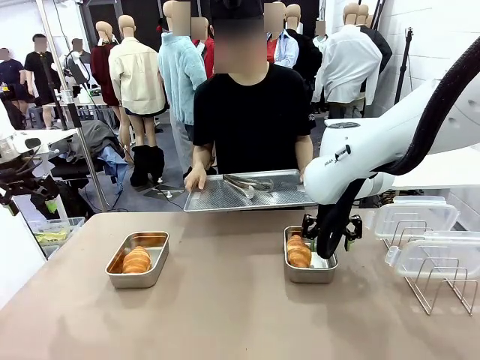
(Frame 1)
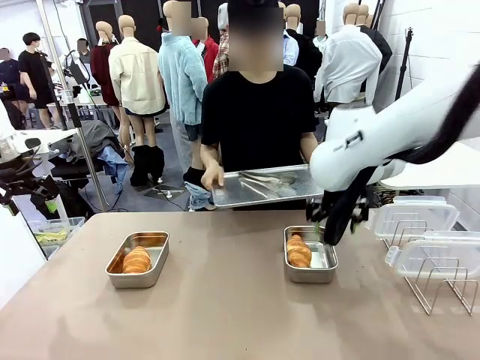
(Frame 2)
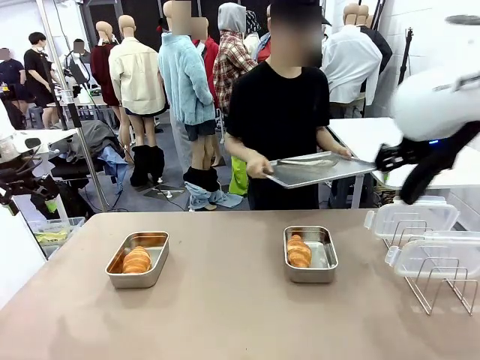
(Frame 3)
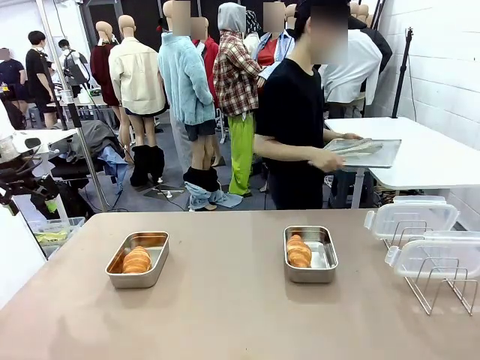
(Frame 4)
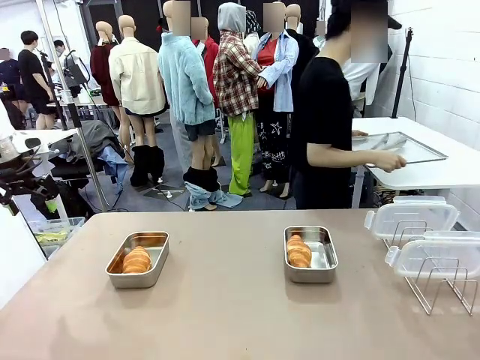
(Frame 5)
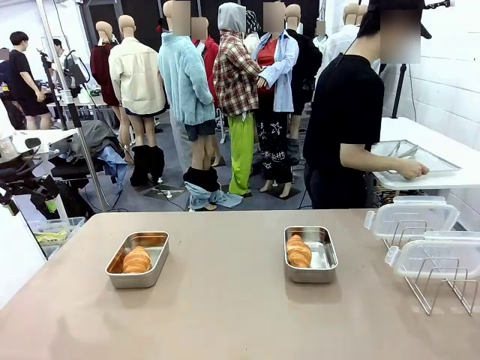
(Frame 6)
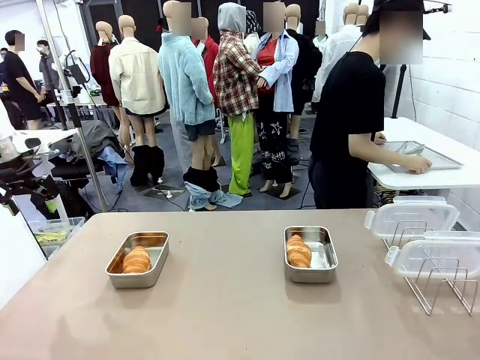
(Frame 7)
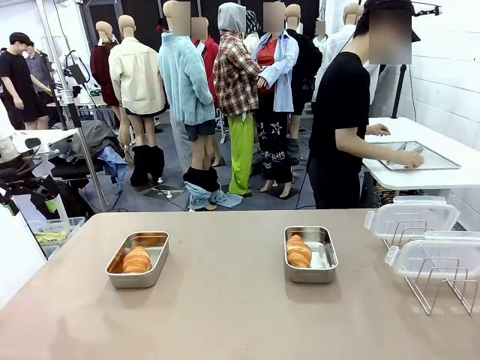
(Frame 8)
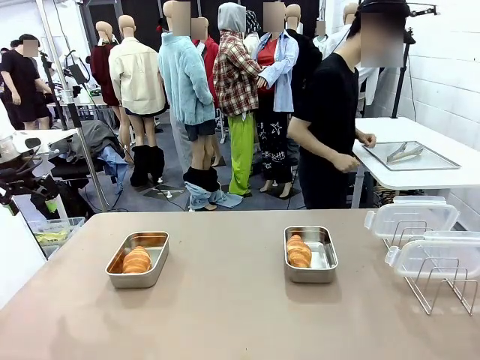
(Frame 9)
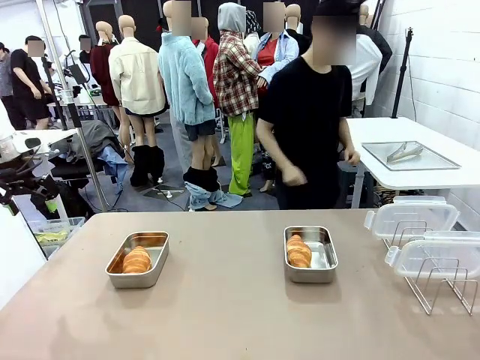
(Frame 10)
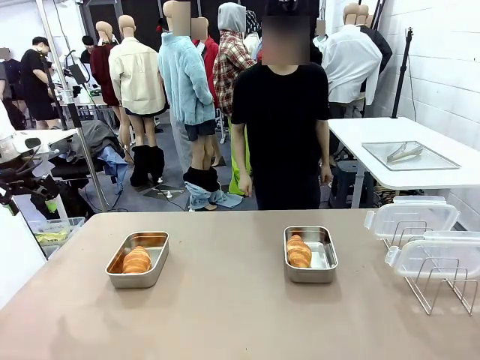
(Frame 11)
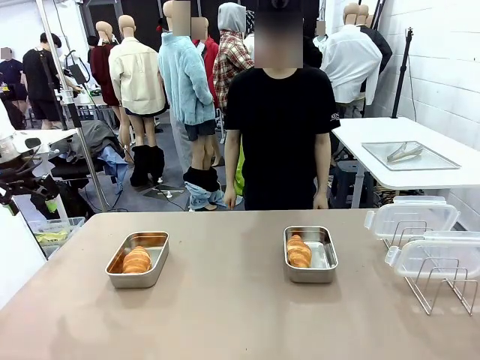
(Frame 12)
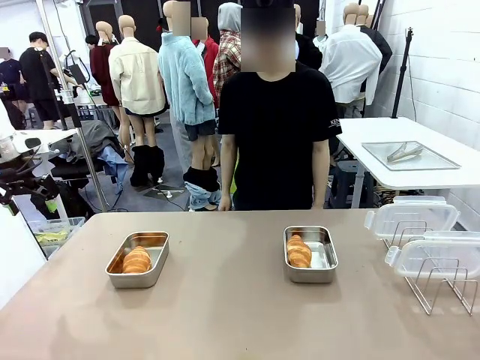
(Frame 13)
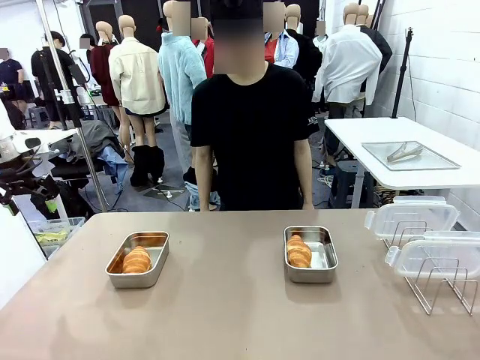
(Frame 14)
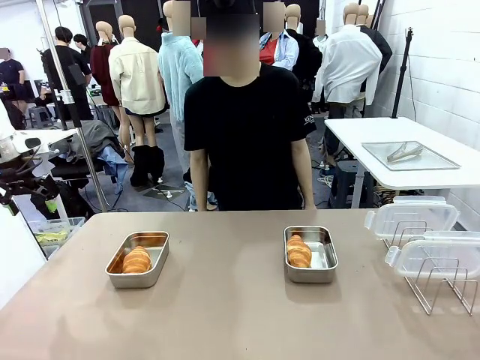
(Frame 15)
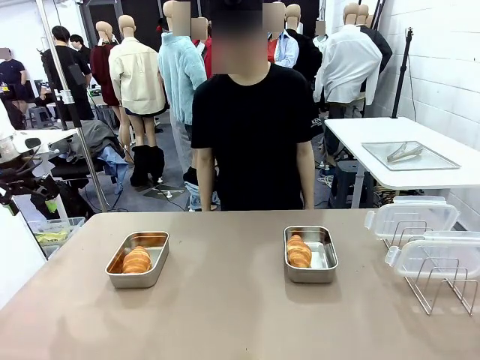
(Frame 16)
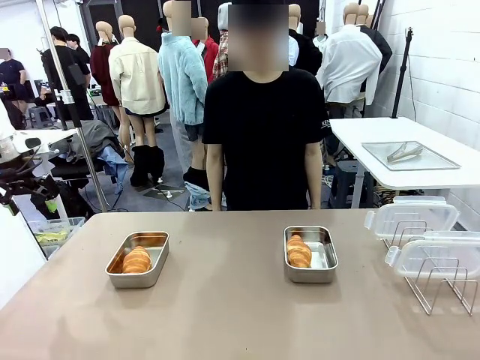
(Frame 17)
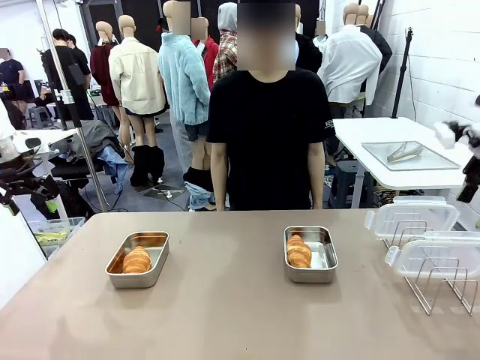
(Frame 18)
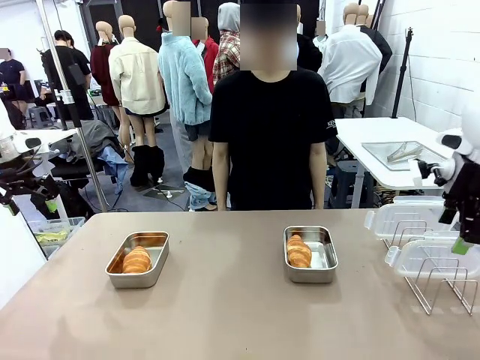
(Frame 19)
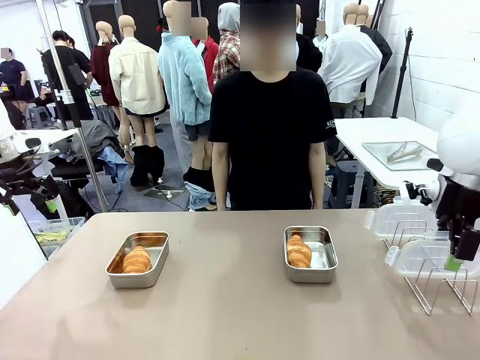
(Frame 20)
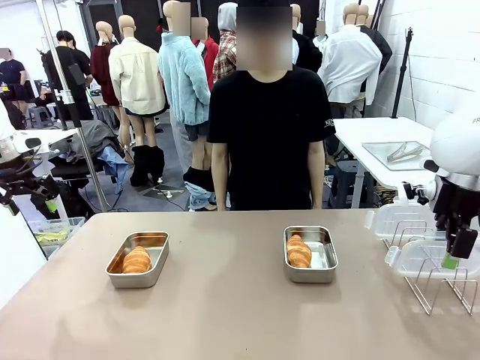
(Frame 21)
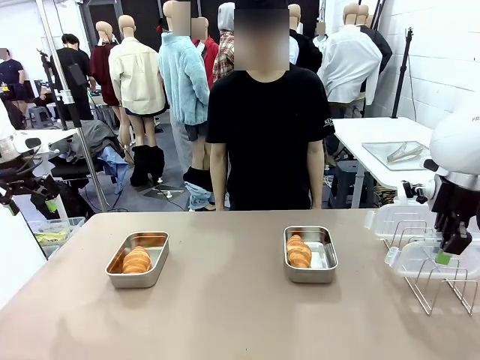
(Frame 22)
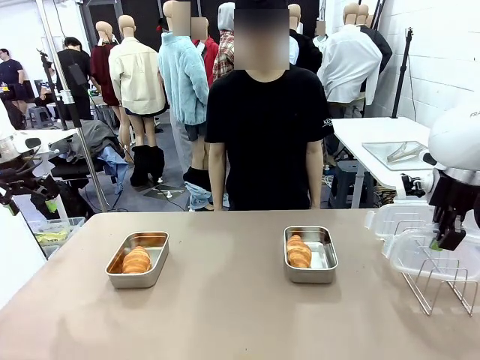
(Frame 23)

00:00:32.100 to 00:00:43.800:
Task: Place the bread in airtight containers.
Robot: Pick up one Airtight Container lid and hand it to the human.
Person: Place Baking Sheet on the Human's Table.

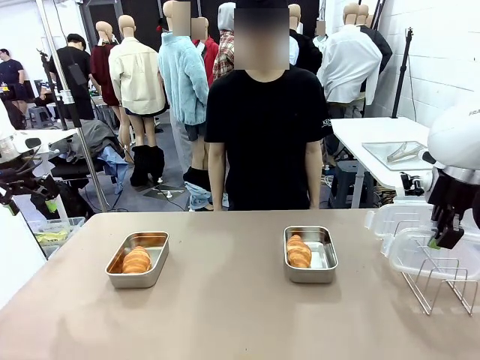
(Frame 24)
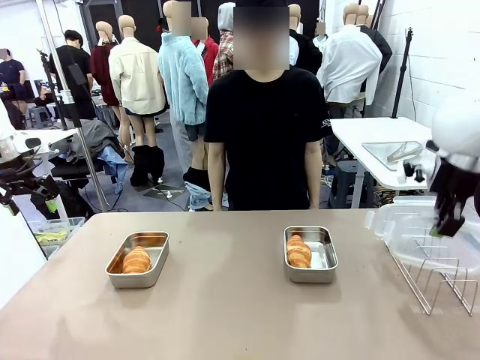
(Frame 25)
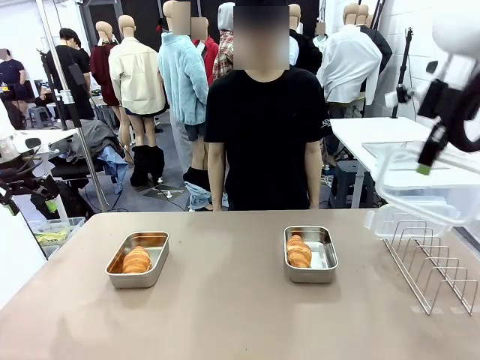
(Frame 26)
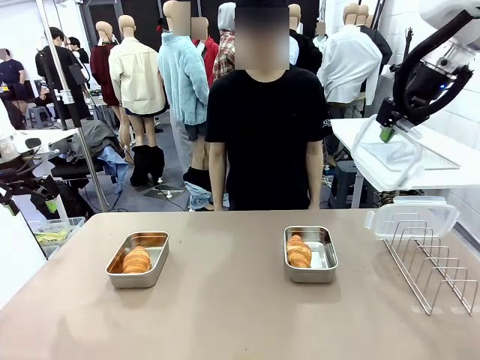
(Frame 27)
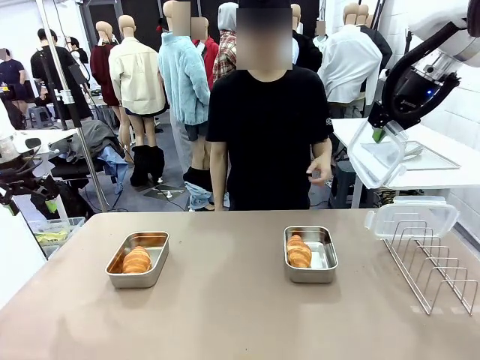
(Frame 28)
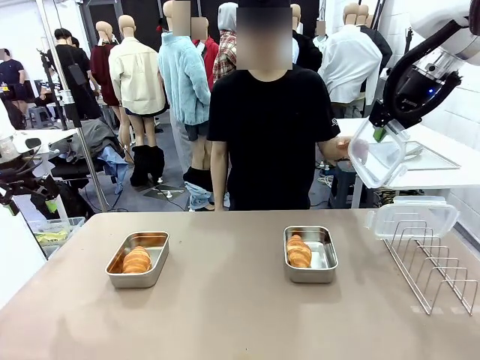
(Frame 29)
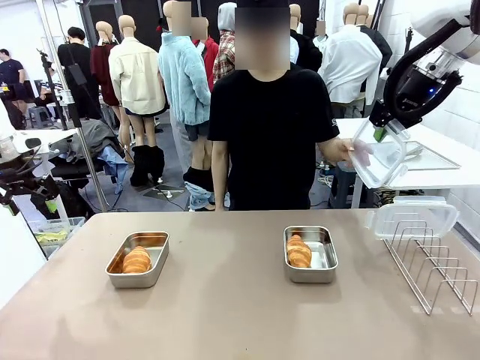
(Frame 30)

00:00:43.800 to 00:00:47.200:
Robot: Release when the human grabs the Airtight Container lid.

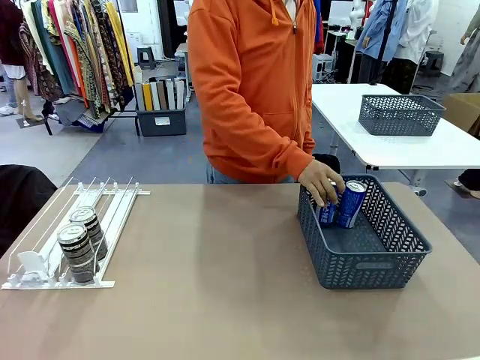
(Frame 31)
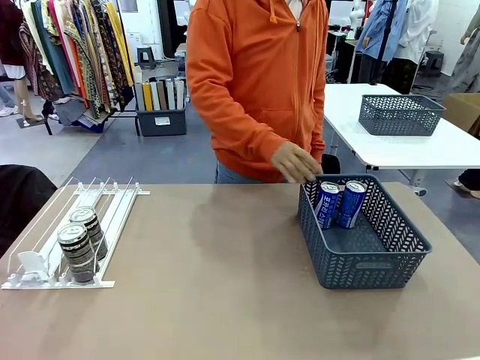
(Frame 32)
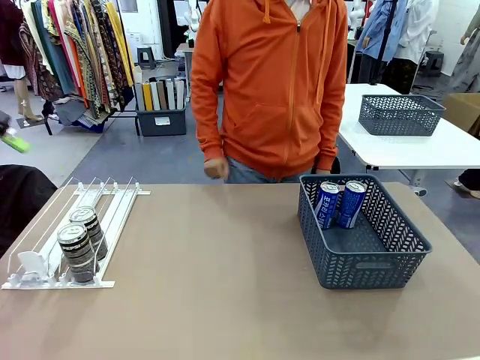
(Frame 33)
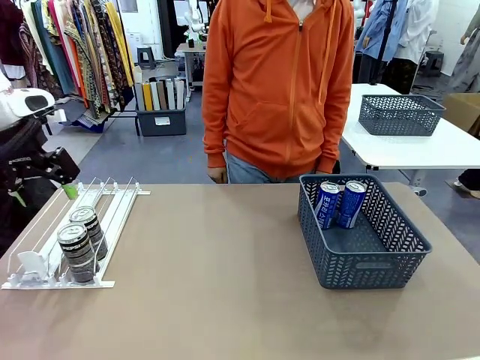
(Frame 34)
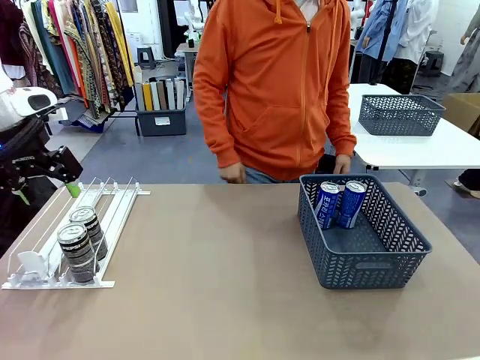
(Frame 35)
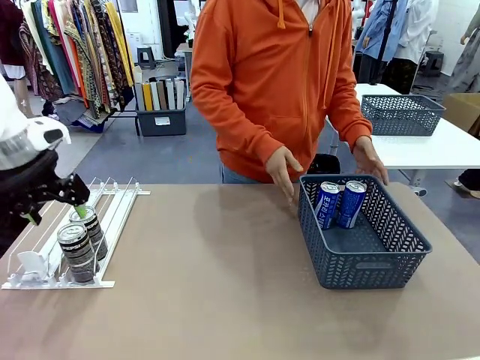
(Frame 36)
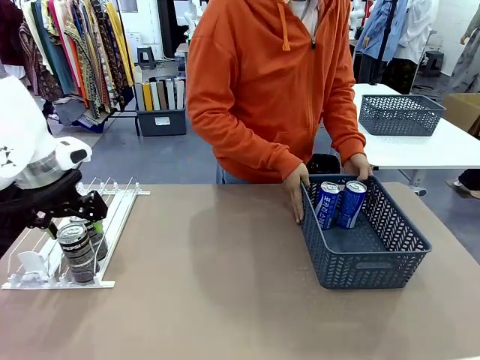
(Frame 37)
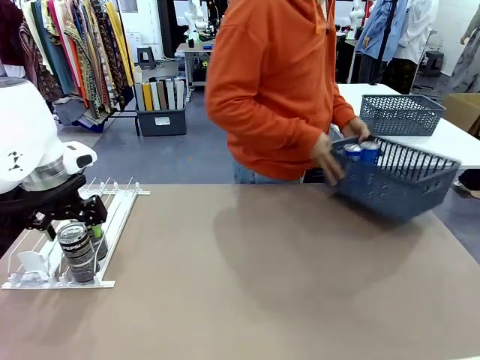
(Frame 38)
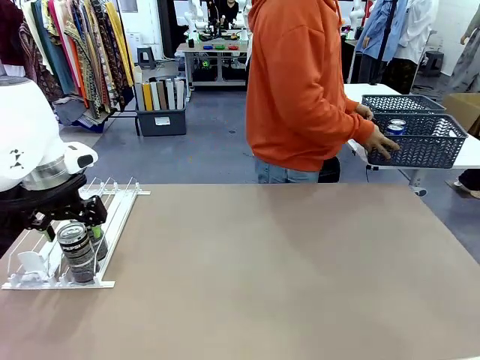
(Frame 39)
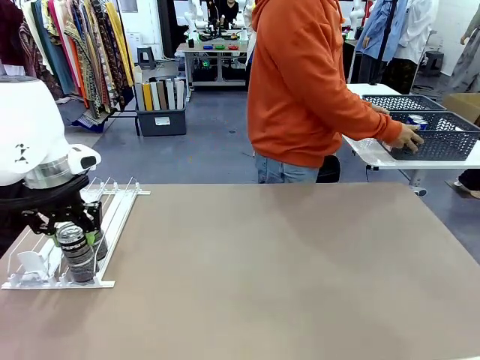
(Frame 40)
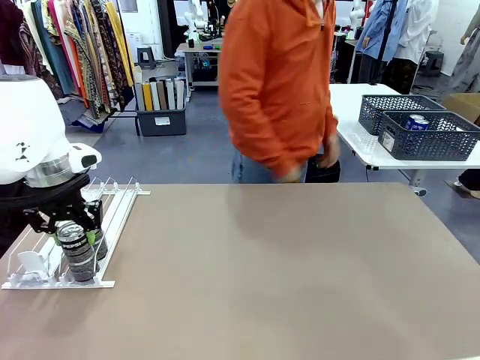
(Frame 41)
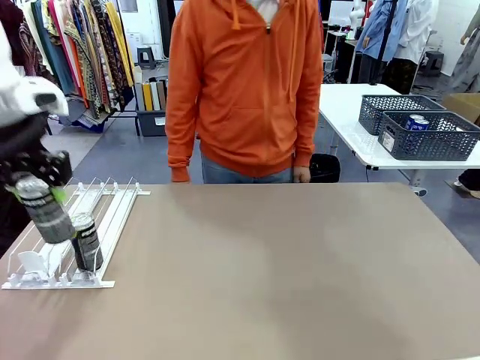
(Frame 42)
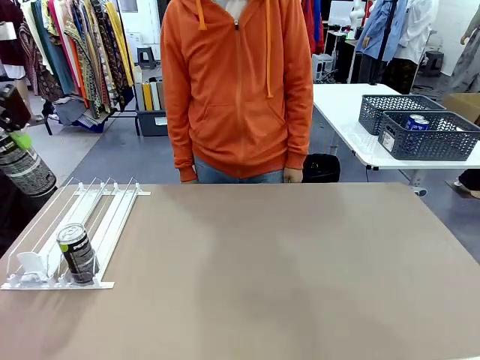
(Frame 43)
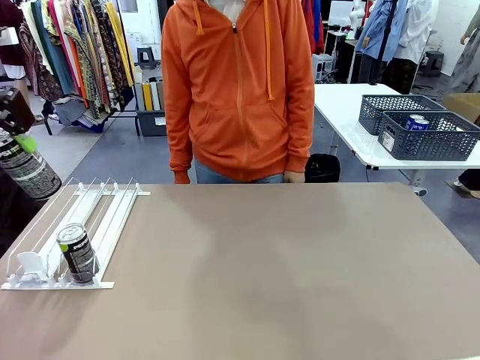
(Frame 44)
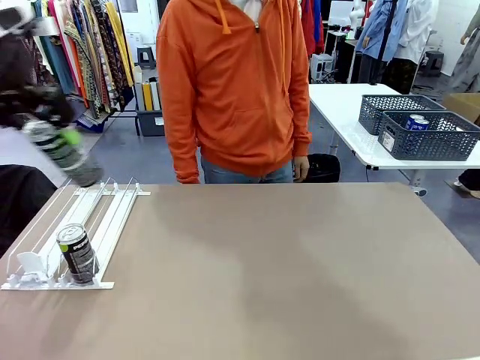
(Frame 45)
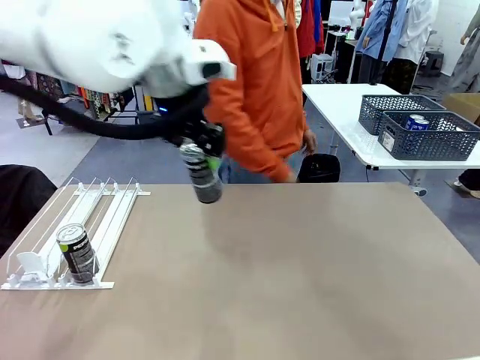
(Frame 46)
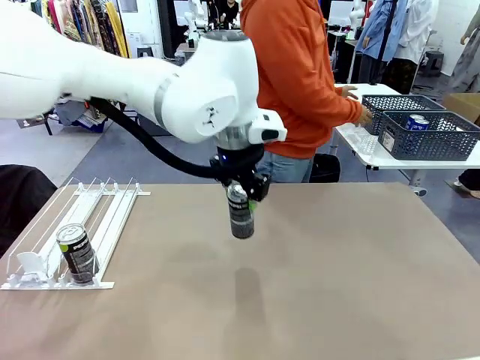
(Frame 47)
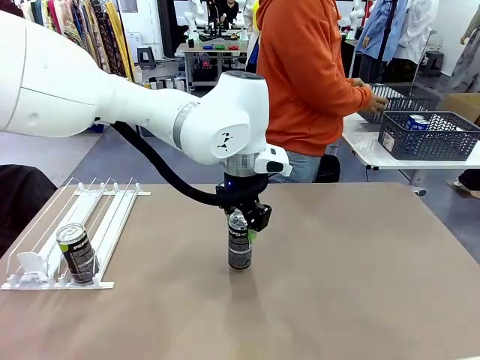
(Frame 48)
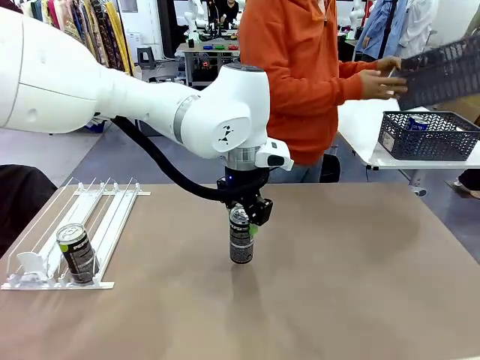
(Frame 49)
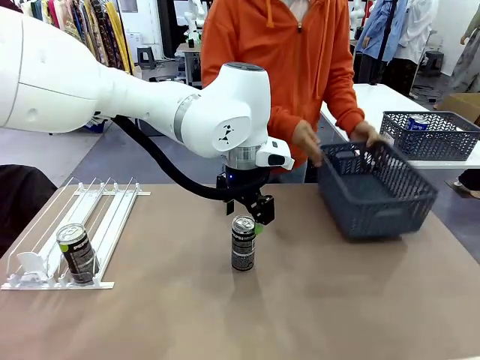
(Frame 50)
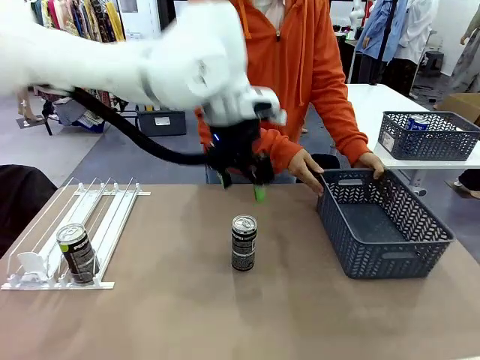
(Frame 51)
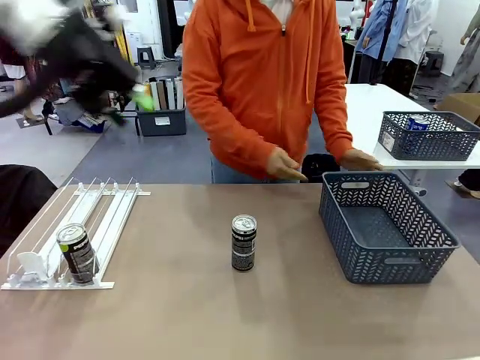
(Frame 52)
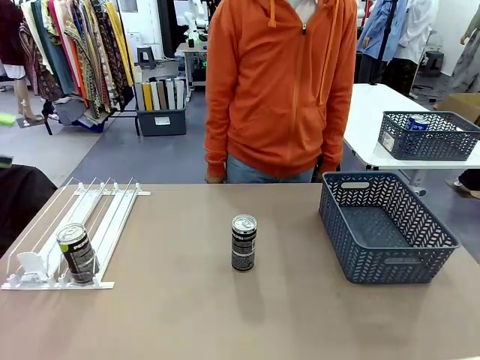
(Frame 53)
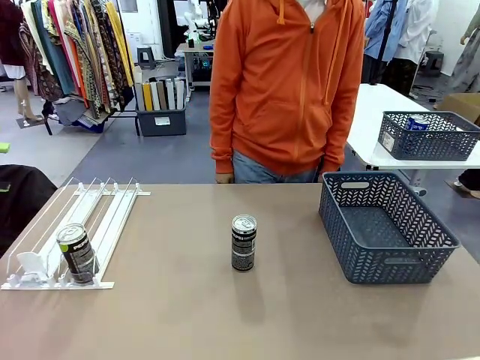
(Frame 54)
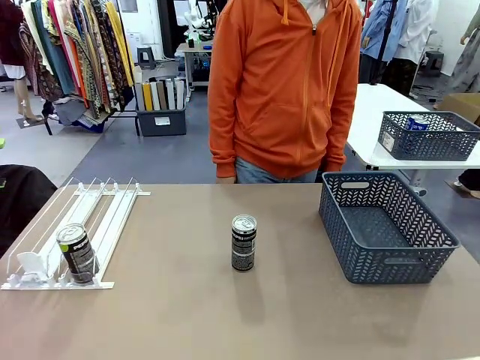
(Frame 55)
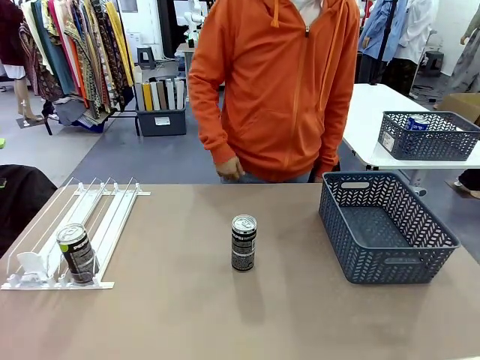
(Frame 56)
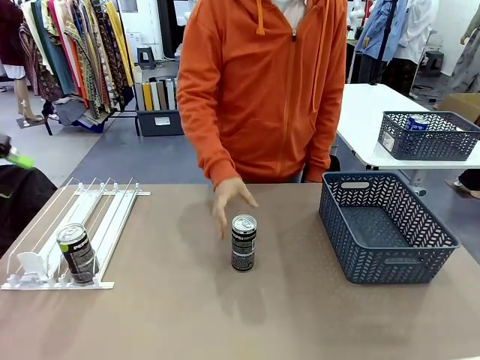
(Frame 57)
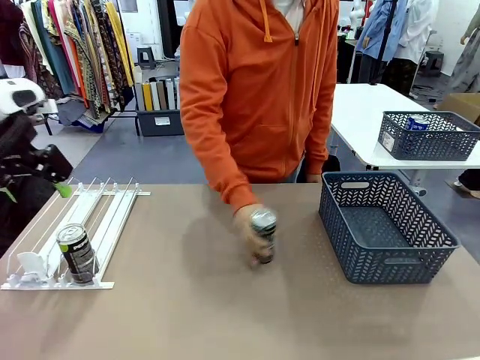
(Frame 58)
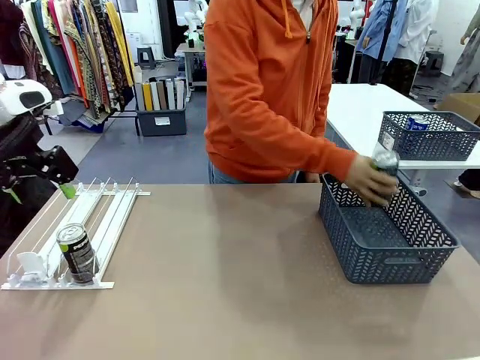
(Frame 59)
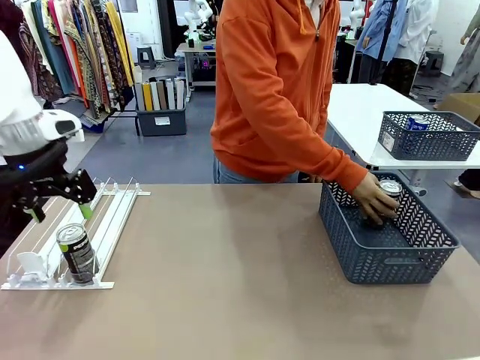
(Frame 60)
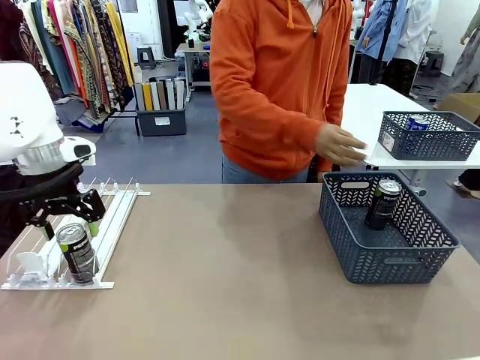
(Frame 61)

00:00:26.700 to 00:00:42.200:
Task: Retrieve and store the cans from the dispenser.
Robot: Pick up one can from the Automatic Can Dispenser and place it in the middle of the table.
Person: Pick up the basket and place it in the middle of the human table. Pick up the empty basket and place it on the left side of the robot table.
